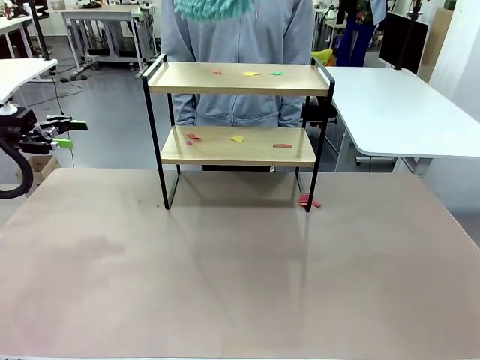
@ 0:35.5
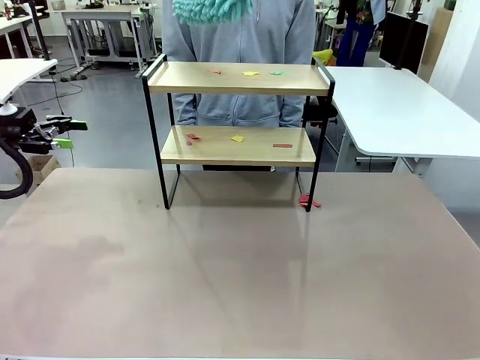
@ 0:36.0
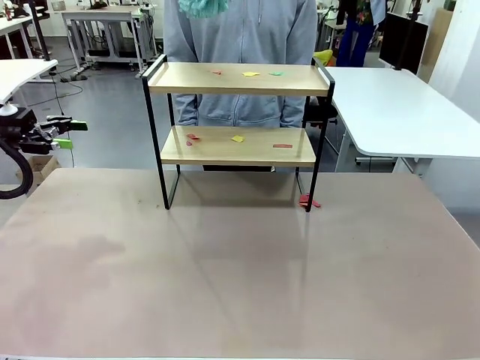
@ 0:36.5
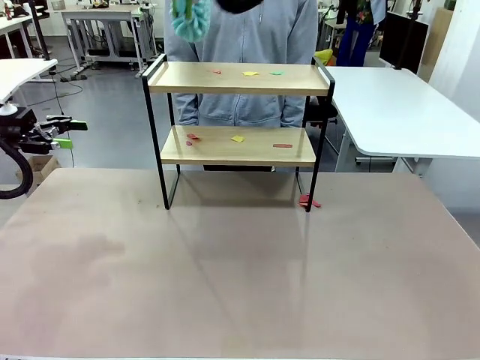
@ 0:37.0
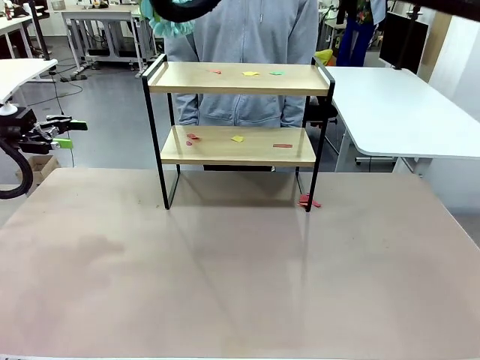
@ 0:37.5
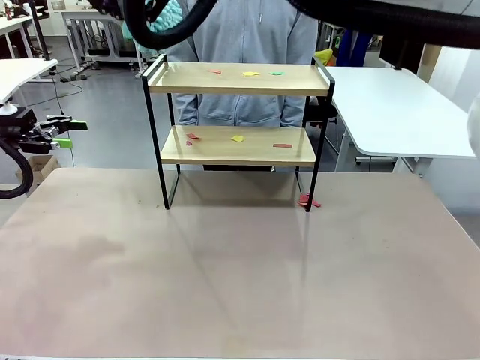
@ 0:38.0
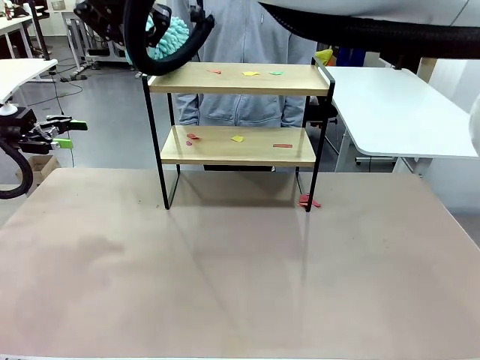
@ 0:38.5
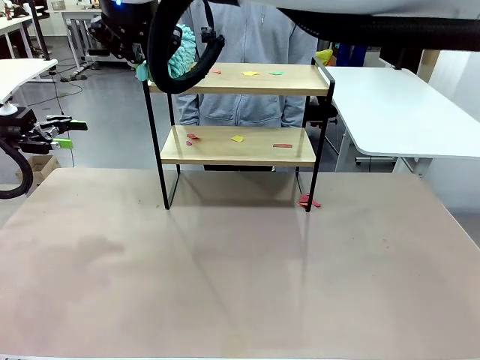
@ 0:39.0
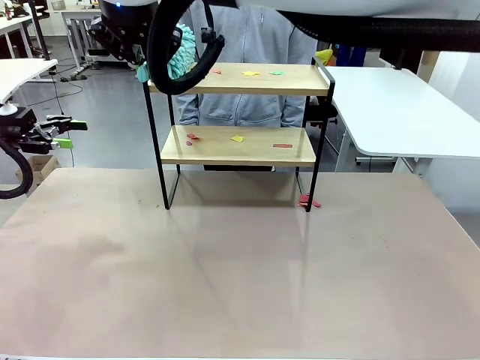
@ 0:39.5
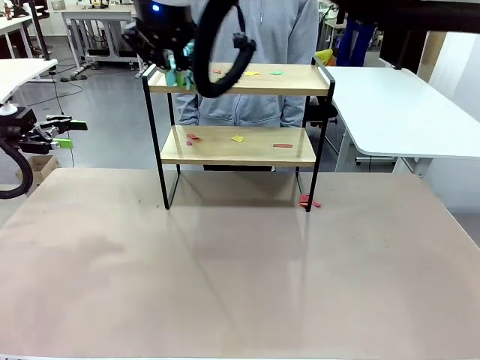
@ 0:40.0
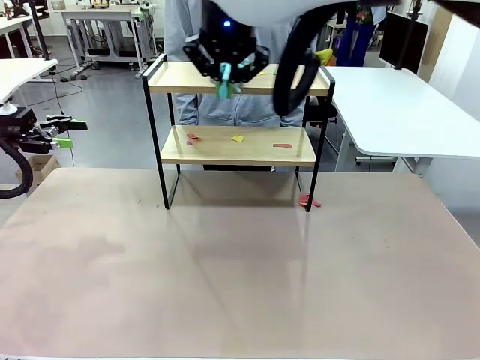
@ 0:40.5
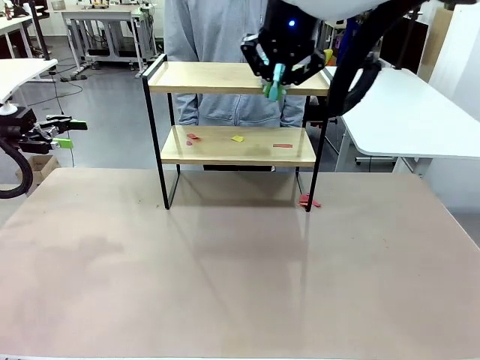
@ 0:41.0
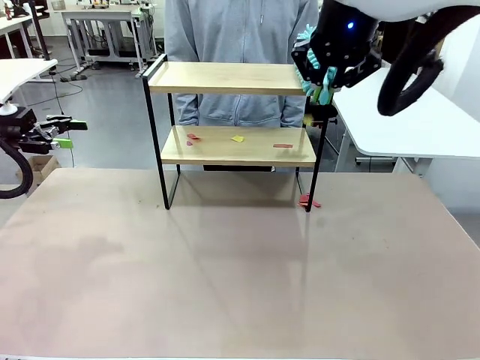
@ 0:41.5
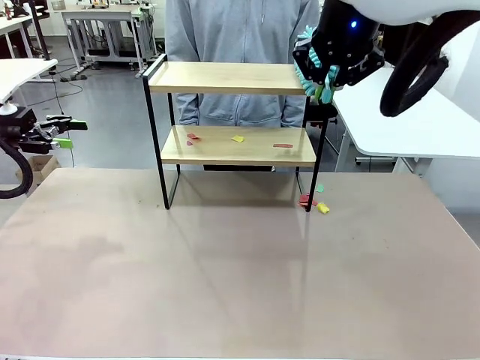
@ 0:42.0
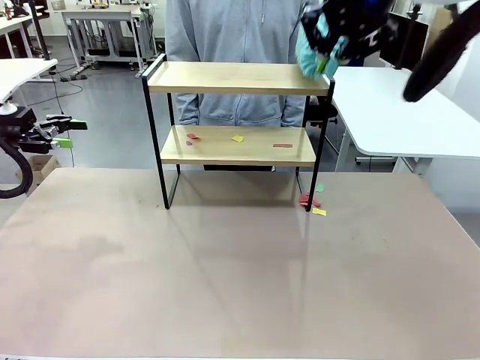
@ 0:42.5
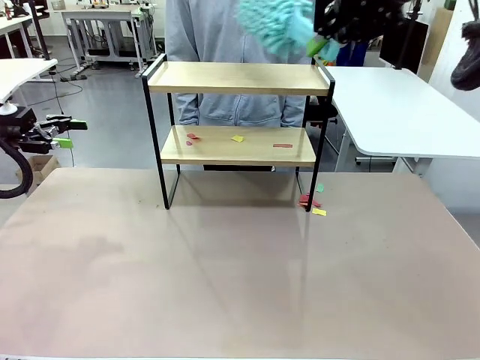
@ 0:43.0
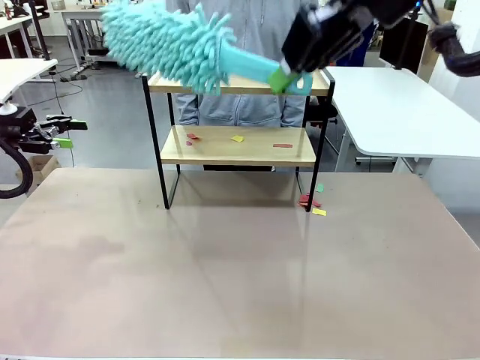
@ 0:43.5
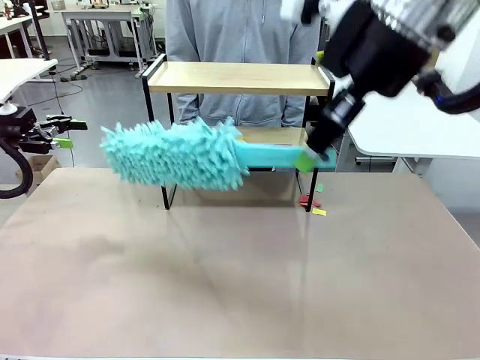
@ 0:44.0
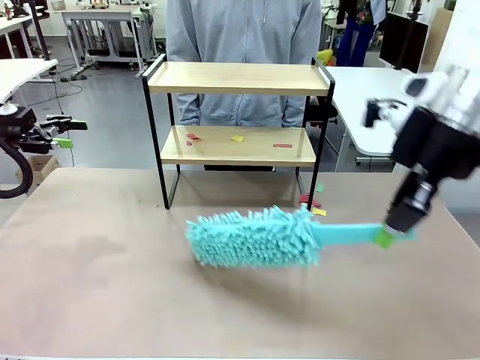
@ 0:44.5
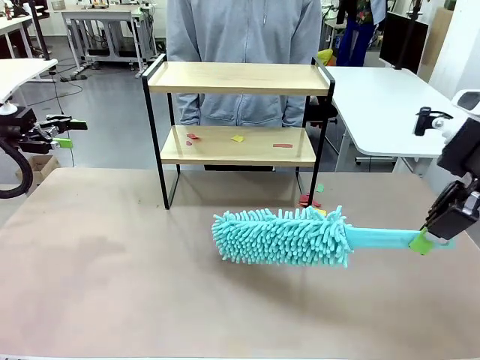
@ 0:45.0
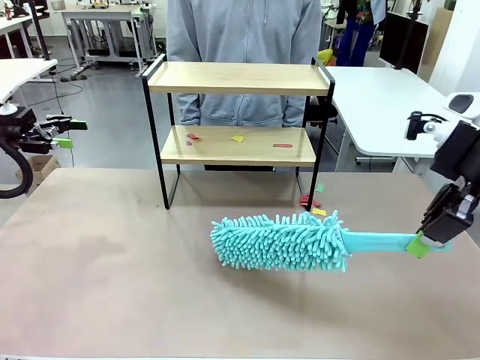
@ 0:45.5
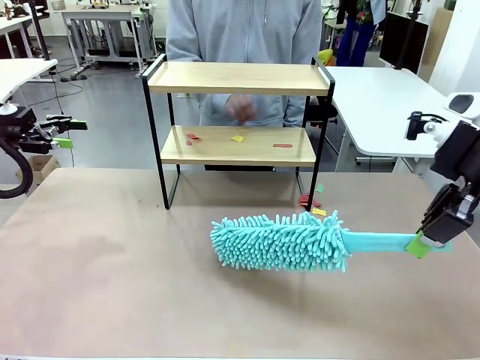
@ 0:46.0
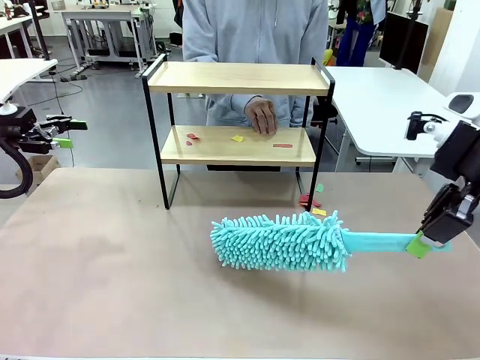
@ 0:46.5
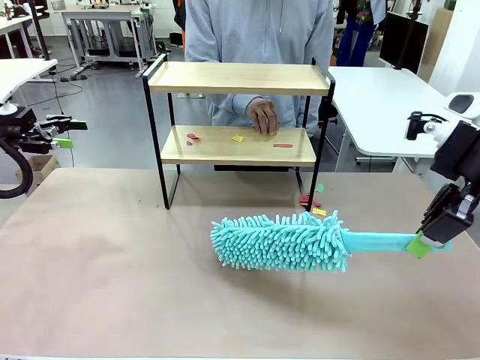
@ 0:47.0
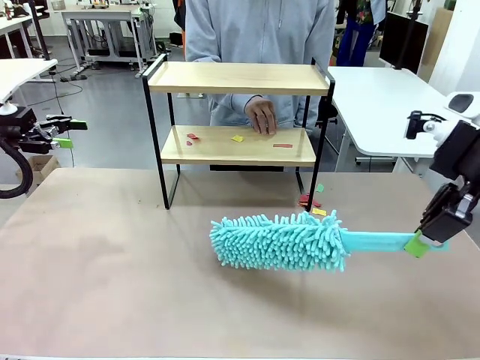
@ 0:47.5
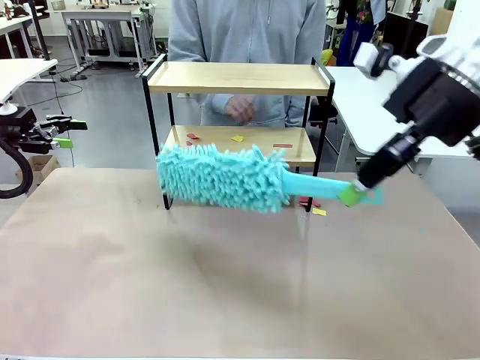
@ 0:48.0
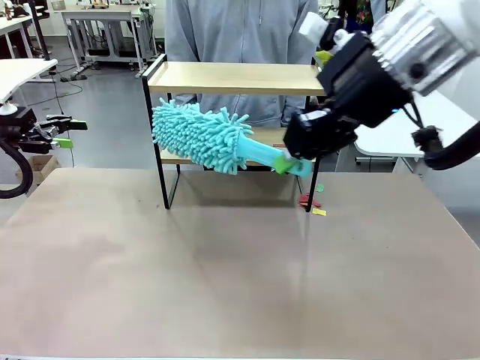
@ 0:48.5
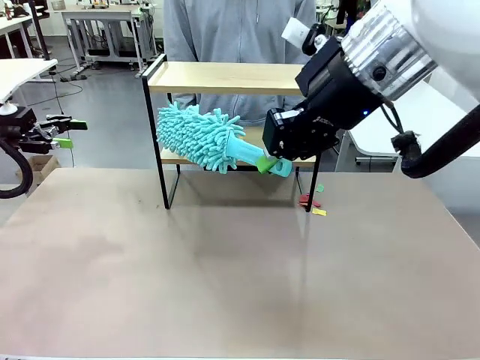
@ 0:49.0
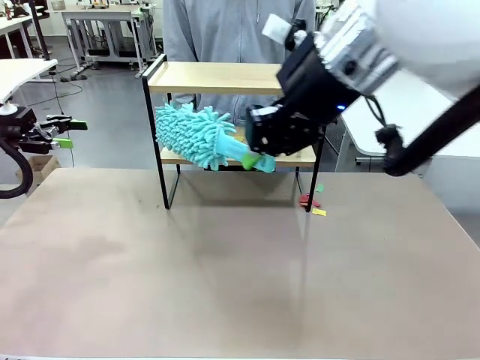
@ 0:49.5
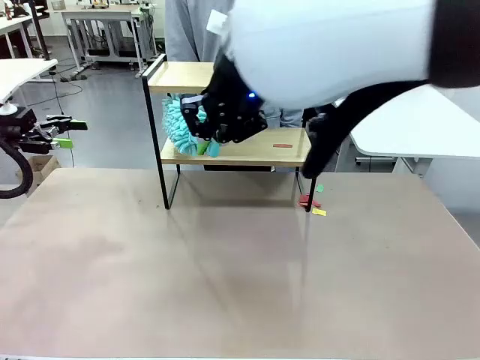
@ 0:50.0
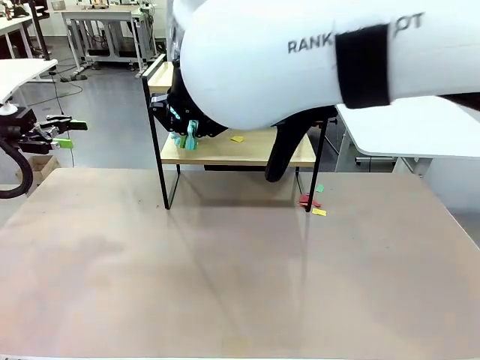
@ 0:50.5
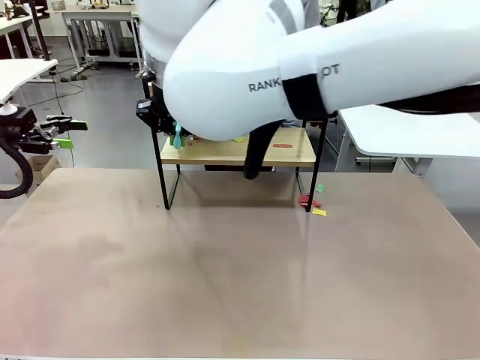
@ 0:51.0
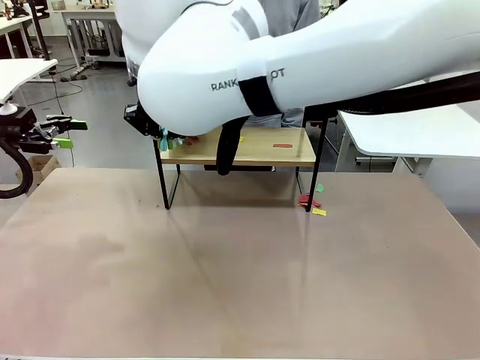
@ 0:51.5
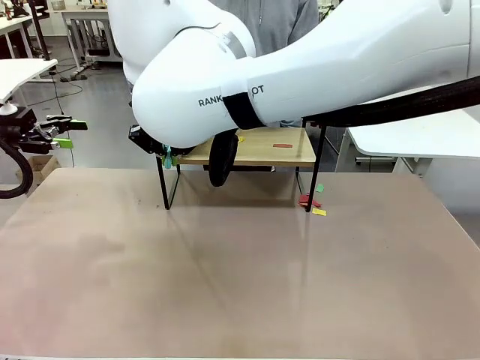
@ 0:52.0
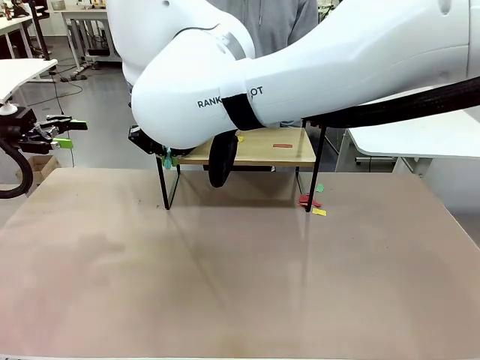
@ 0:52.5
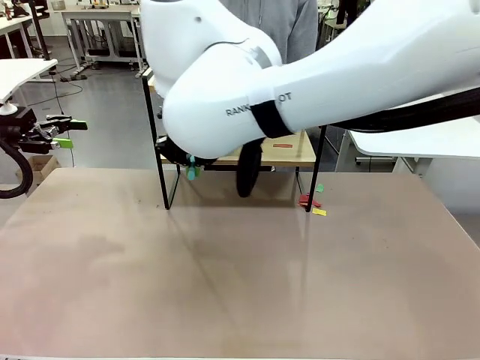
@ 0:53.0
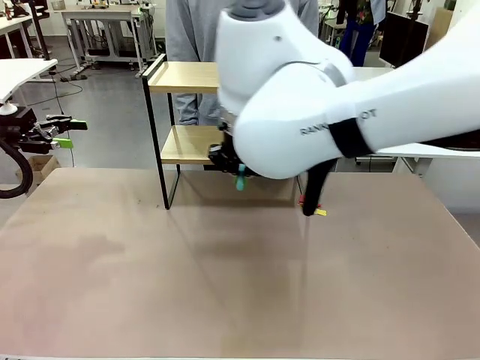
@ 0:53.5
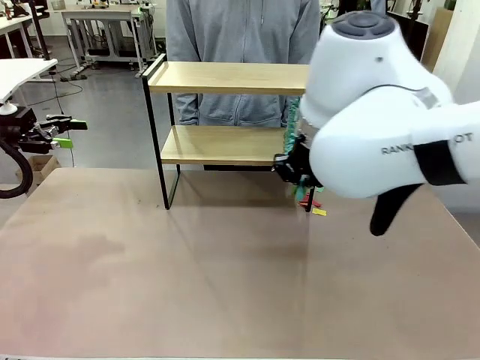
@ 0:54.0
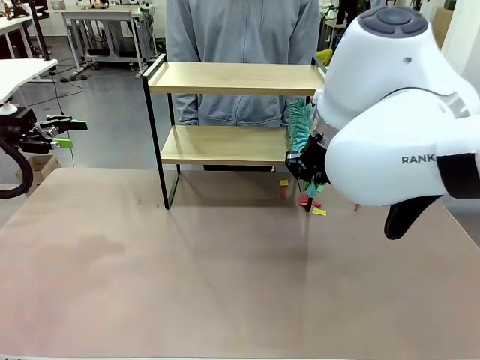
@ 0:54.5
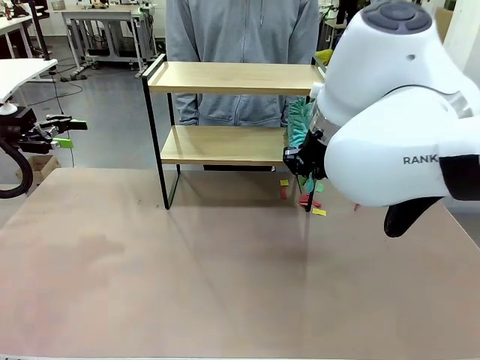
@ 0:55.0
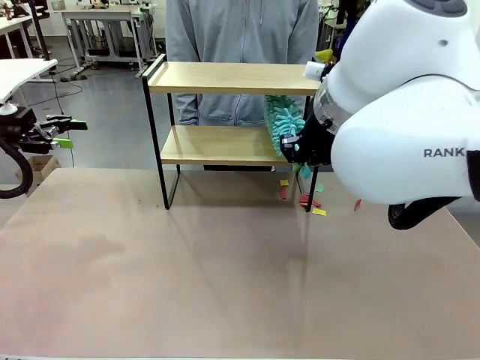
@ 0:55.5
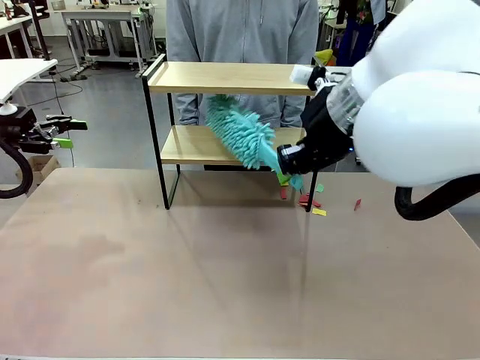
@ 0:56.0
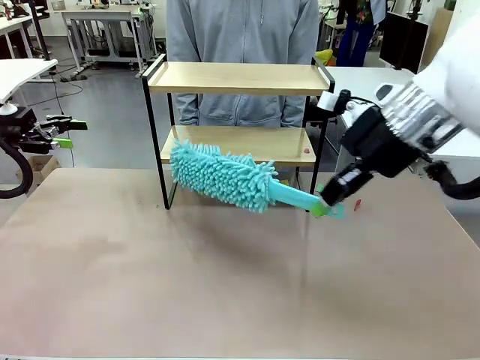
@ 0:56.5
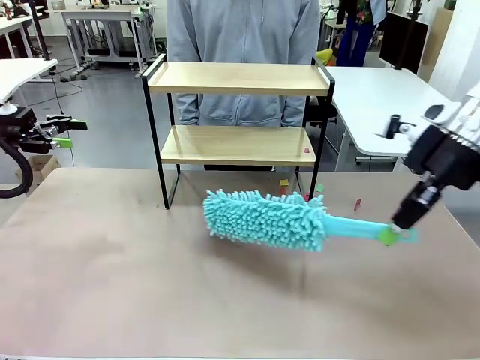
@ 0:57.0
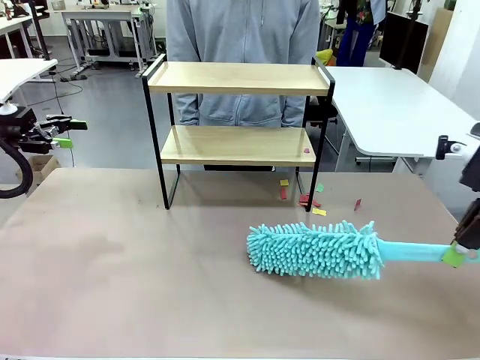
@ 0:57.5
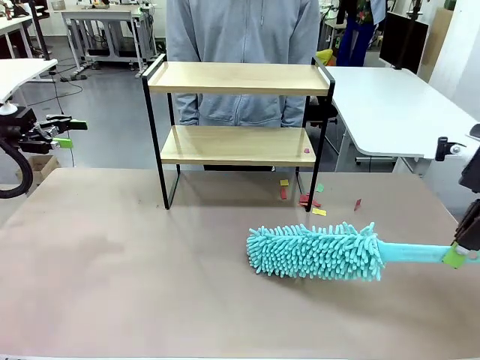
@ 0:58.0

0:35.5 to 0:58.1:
Task: Clean the shelf.
Robot: Clean the specific section of the Shelf indicated by the human with the Duster.
Person: Point a remaining section of the Shelf.

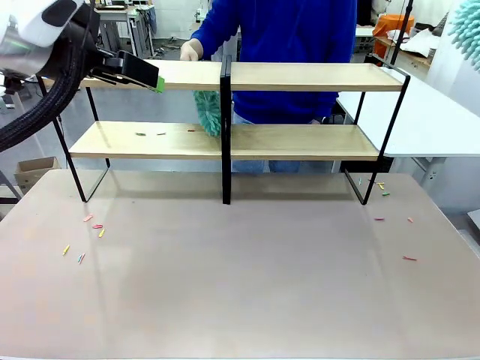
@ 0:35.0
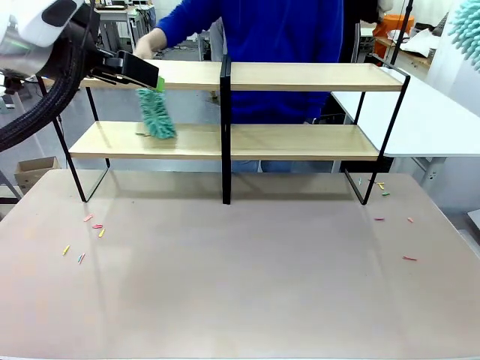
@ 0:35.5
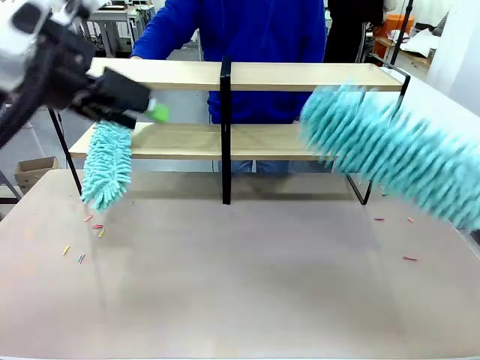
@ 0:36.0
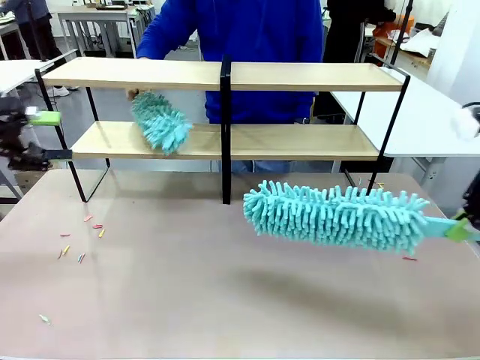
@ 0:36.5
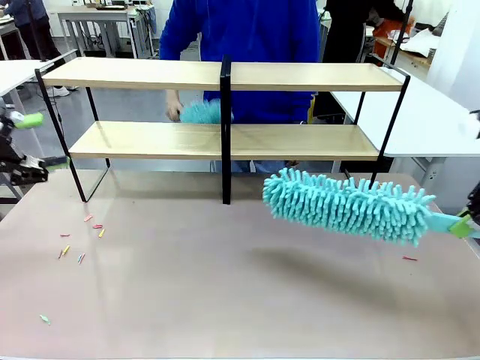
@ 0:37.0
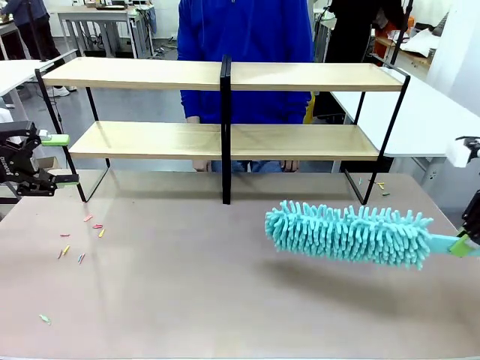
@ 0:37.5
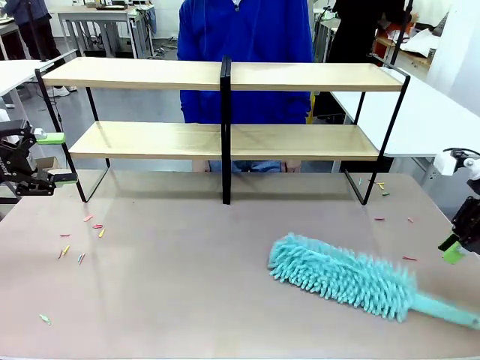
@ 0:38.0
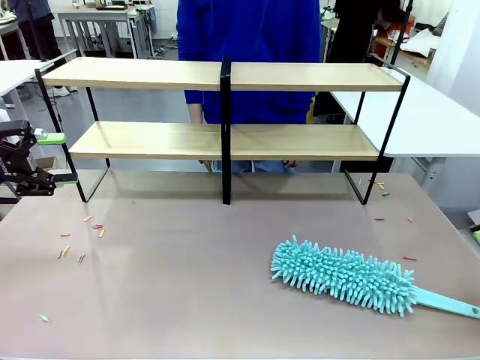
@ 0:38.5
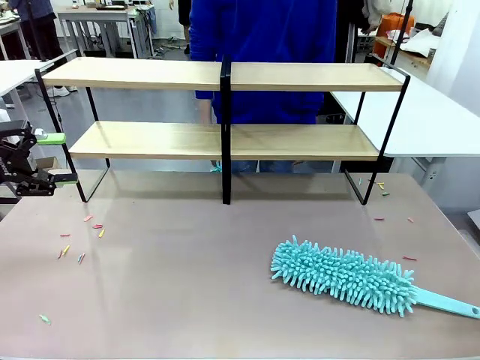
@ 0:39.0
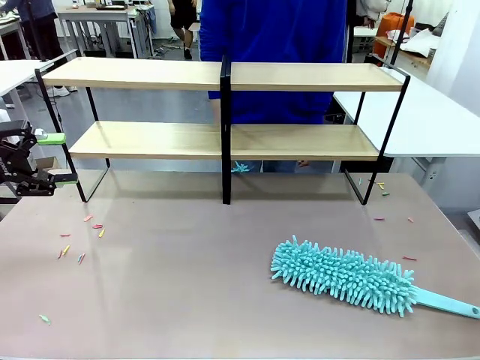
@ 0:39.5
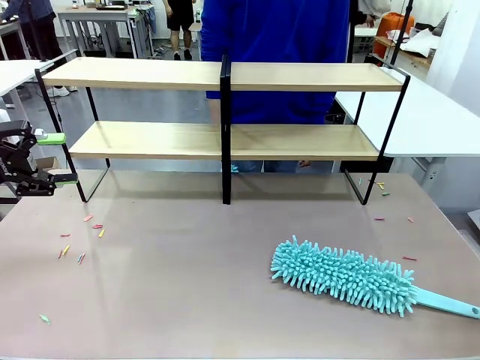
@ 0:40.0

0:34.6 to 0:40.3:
Task: Clean the shelves.
Robot: Place the Duster on the table.
